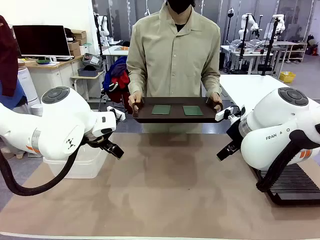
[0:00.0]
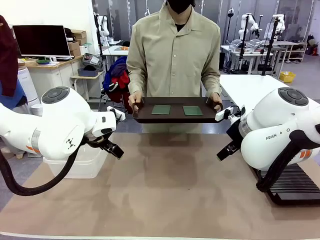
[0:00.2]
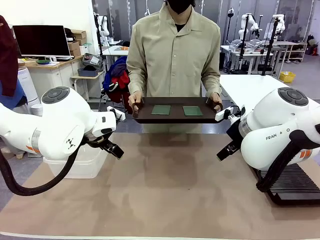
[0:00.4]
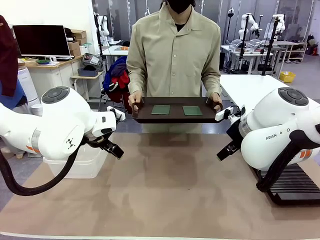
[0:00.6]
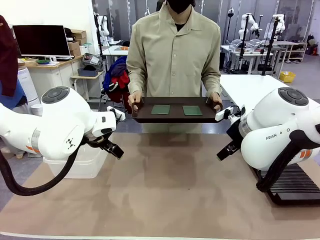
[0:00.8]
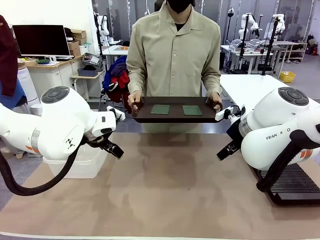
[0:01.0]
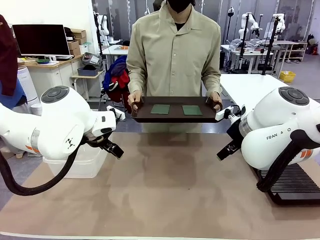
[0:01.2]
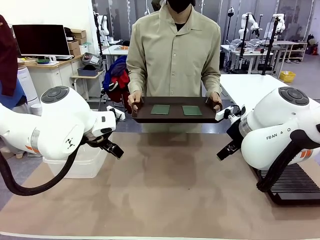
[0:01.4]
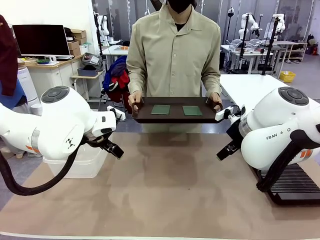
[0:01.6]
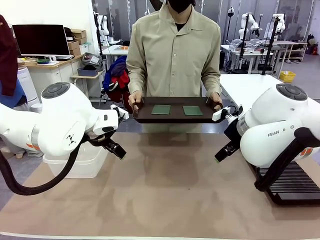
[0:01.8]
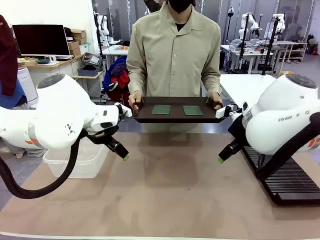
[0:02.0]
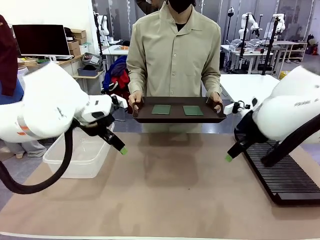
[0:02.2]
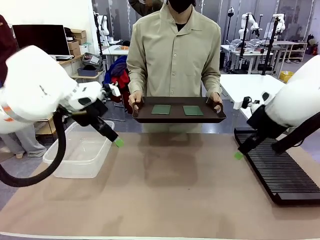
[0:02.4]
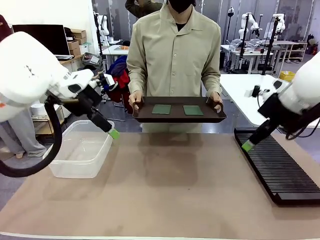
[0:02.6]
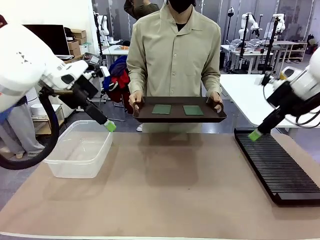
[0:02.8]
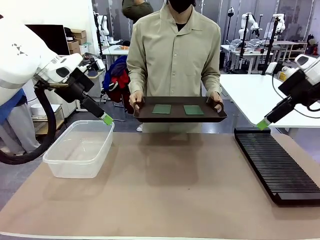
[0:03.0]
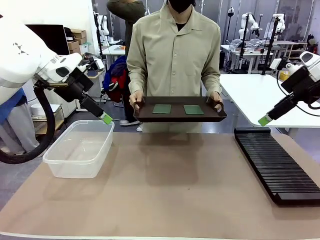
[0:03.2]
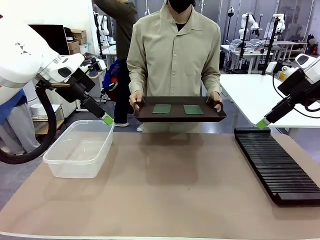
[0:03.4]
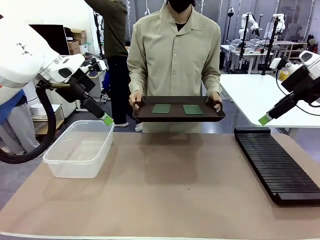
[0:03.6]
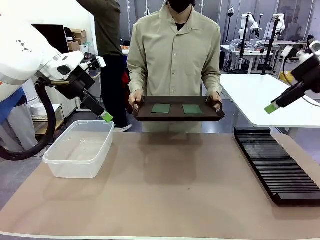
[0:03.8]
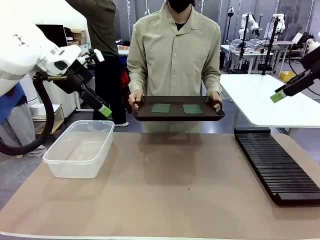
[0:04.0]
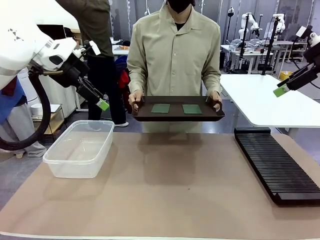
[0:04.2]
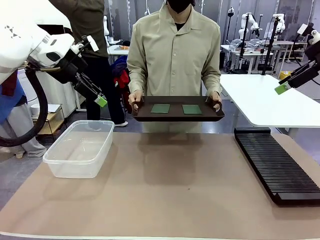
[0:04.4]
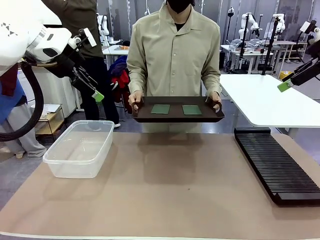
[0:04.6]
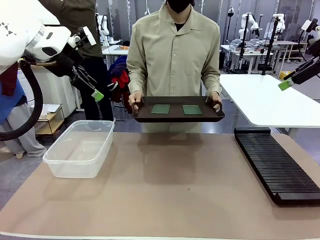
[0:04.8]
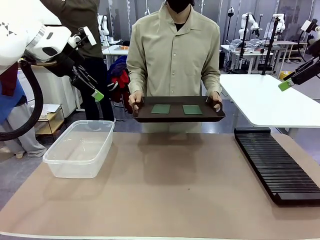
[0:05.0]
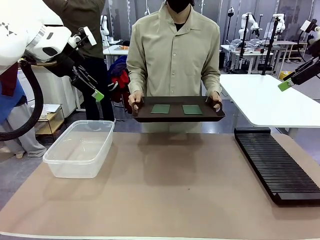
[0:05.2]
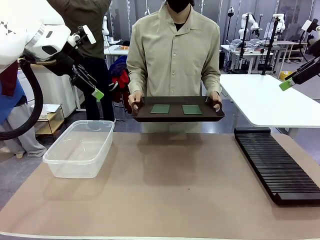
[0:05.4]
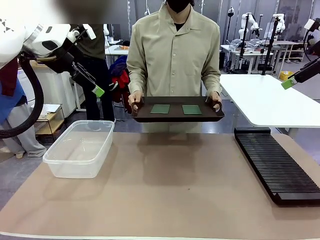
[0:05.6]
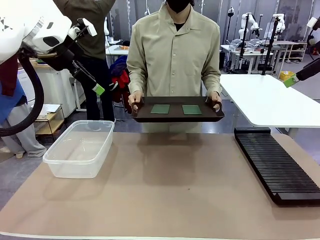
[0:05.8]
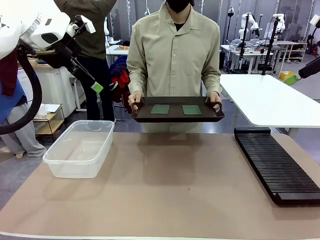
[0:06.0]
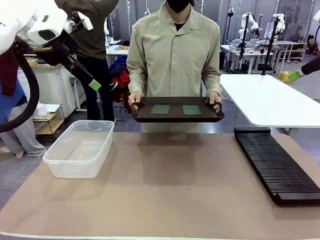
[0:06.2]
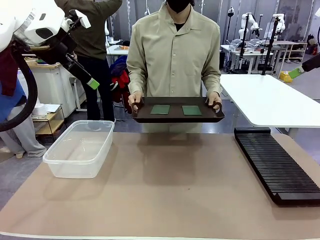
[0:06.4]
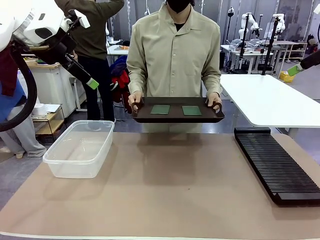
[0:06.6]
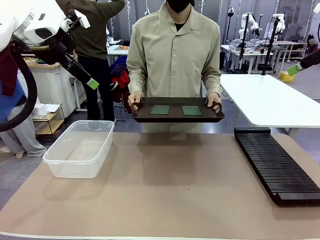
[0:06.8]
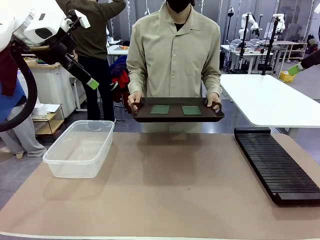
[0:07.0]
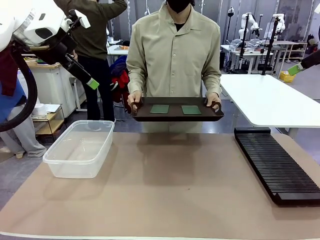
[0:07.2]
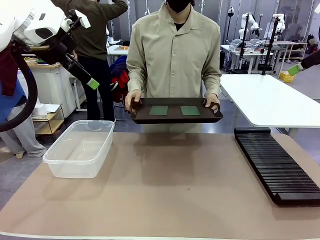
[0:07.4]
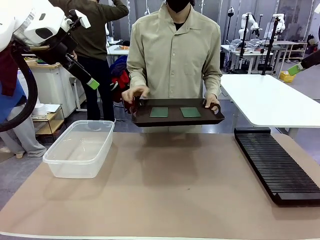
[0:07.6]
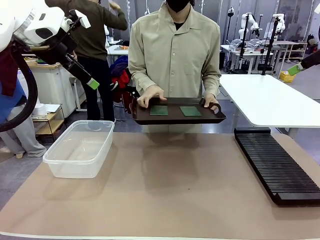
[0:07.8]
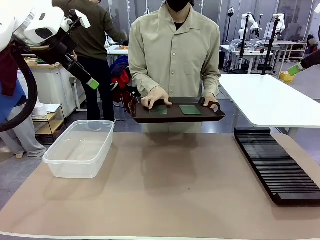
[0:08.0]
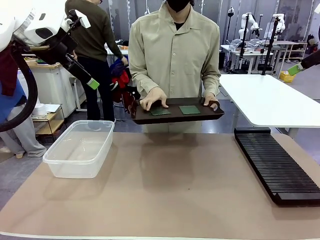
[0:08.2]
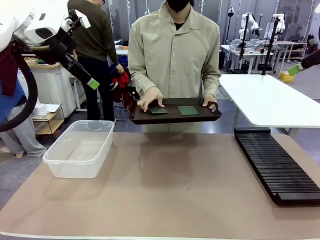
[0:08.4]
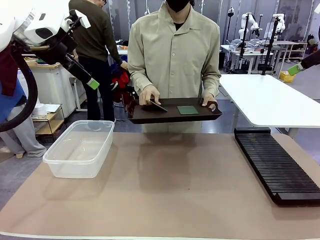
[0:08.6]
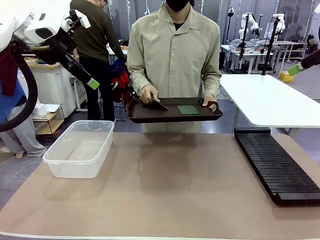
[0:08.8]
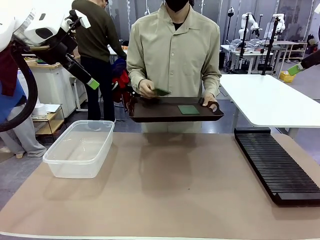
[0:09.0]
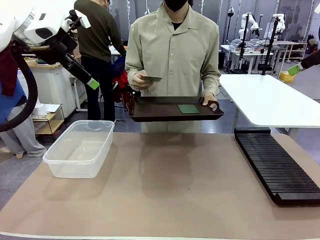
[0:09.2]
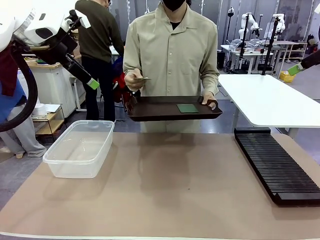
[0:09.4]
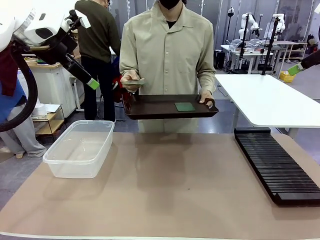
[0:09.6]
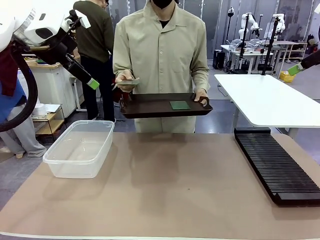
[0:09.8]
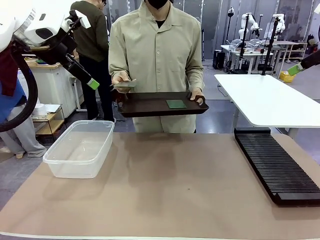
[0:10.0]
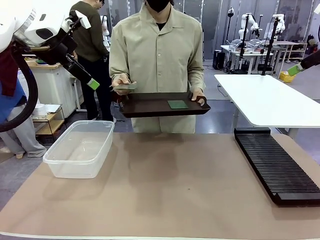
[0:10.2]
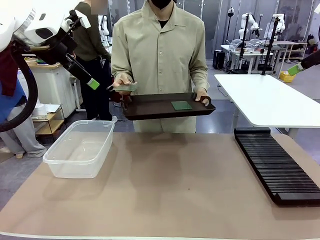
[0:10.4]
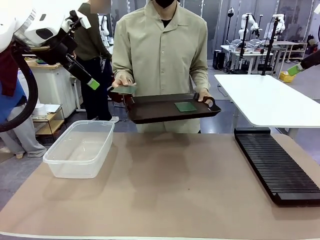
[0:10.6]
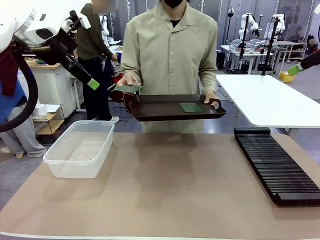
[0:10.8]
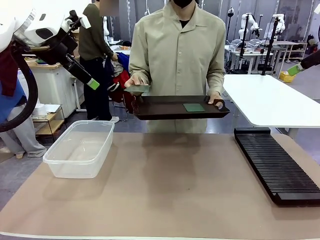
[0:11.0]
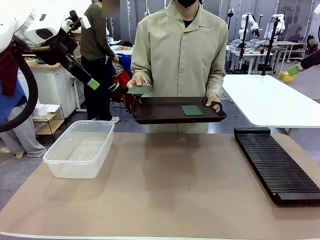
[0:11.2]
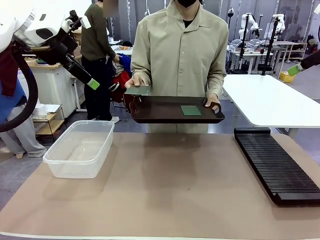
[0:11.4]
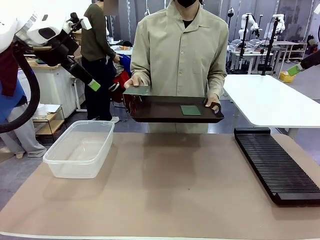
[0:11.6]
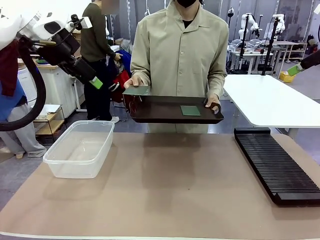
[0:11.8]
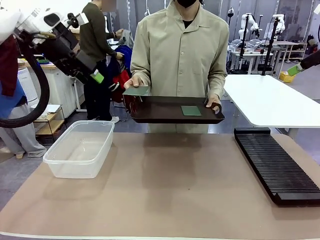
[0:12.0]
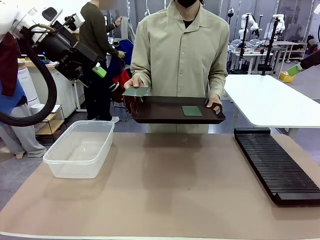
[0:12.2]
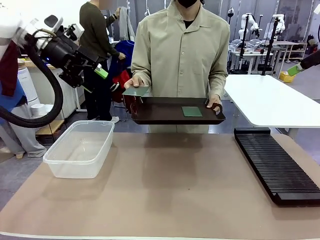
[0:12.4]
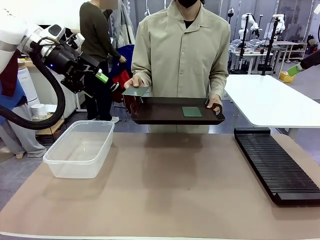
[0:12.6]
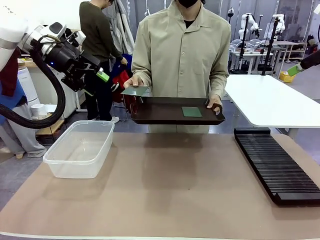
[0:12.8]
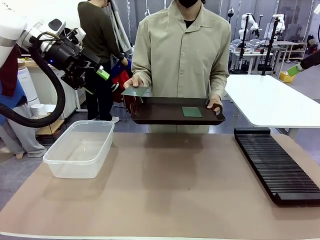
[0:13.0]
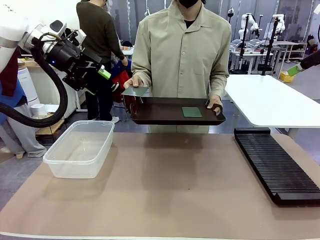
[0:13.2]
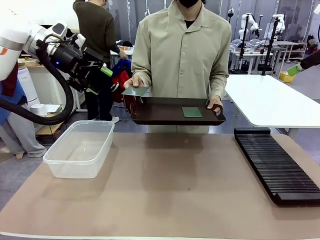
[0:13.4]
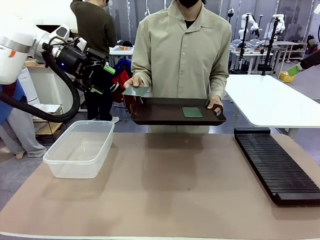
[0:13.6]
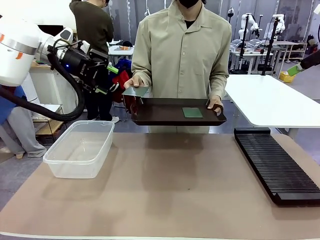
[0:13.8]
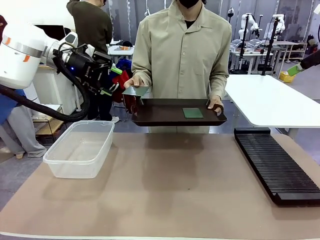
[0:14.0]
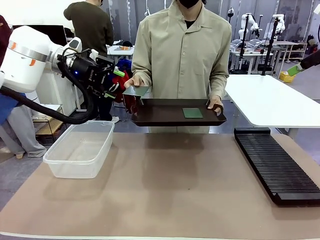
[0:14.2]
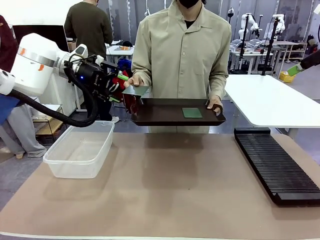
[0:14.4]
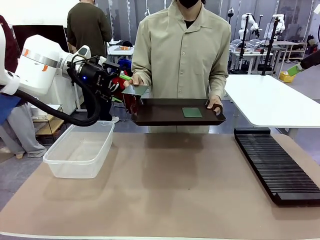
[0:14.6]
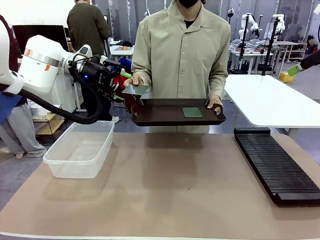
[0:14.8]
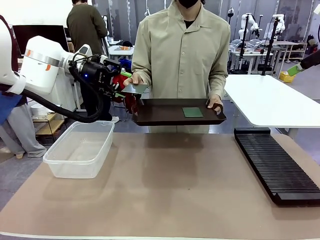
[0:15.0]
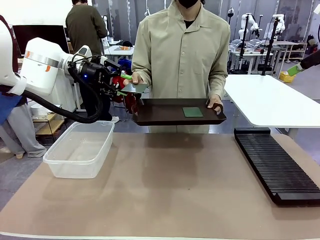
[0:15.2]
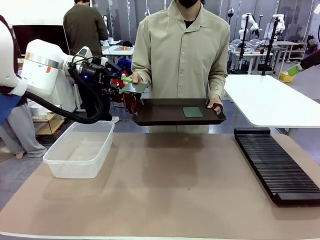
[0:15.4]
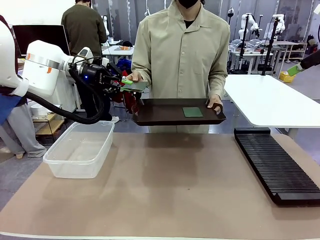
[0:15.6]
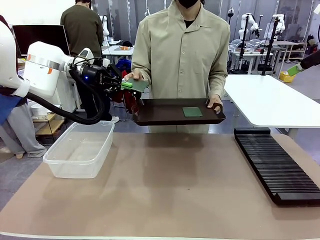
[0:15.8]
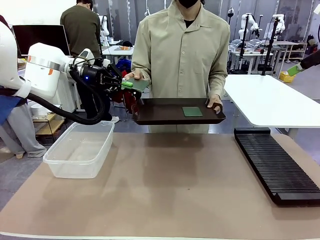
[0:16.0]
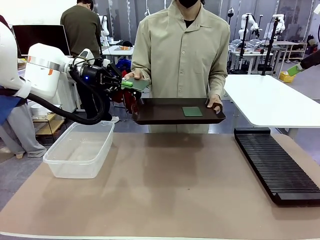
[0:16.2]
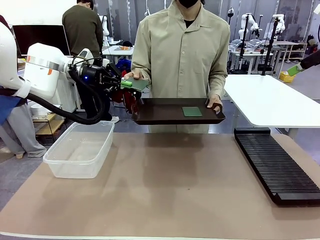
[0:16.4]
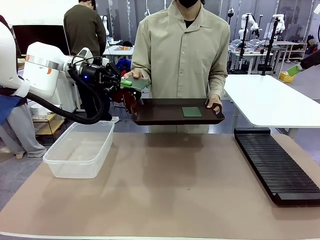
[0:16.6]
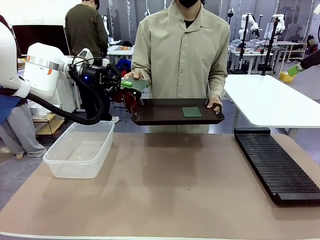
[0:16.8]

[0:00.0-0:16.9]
Task: Sort PCBs into racks and boxes based on the side picked up.
Robot: Pick up the Blank PCB handed by the Human.
Person: Pick one PCB from the tray and present it to the robot. Release the PCB being held.

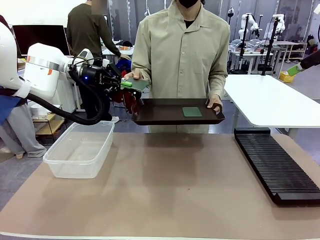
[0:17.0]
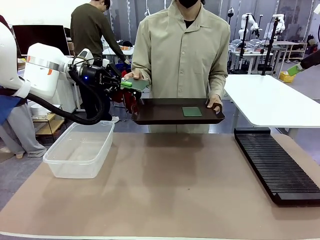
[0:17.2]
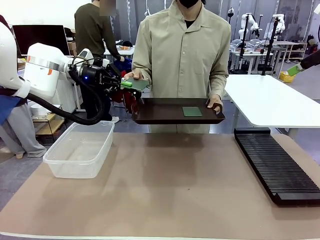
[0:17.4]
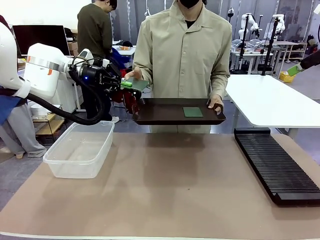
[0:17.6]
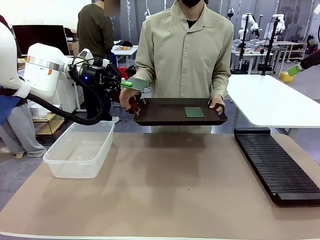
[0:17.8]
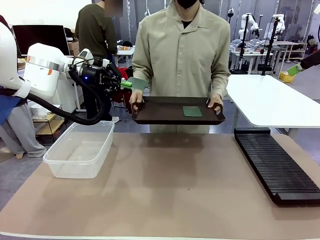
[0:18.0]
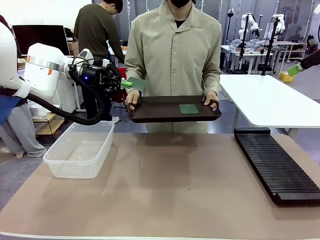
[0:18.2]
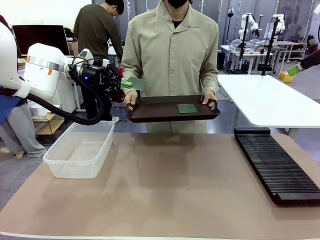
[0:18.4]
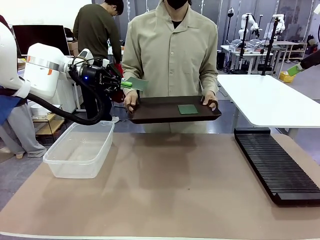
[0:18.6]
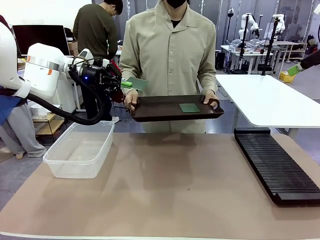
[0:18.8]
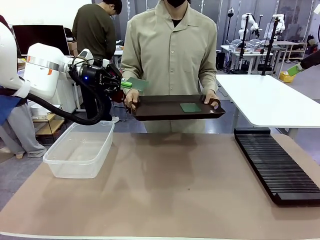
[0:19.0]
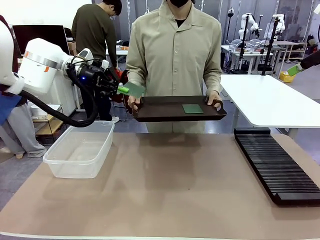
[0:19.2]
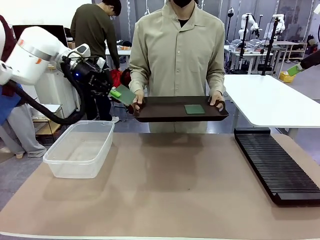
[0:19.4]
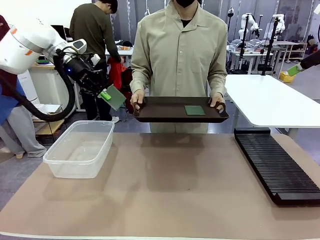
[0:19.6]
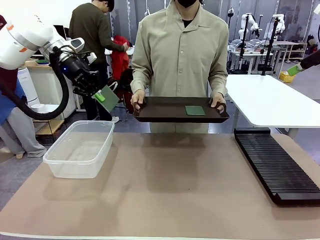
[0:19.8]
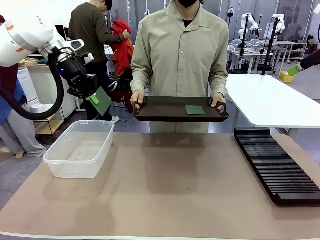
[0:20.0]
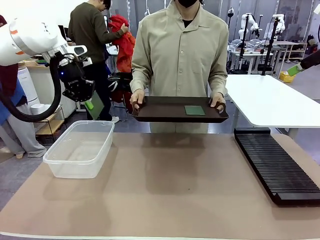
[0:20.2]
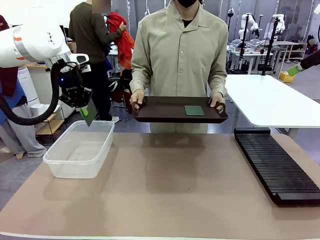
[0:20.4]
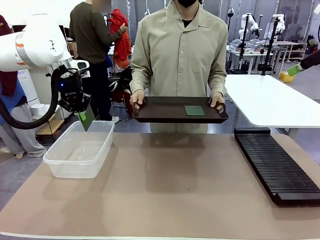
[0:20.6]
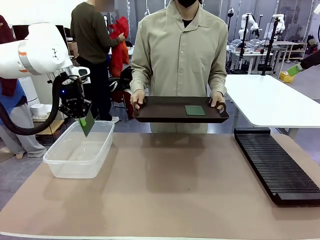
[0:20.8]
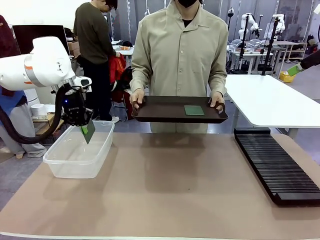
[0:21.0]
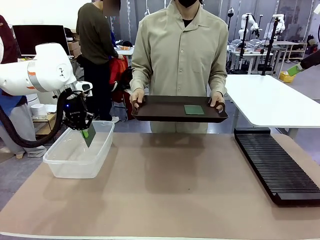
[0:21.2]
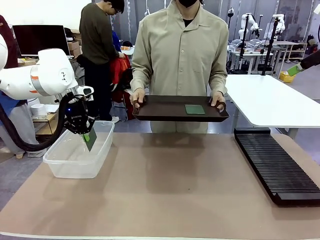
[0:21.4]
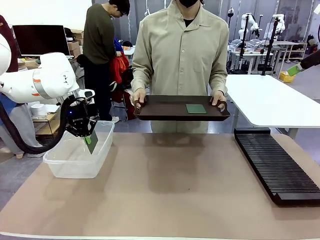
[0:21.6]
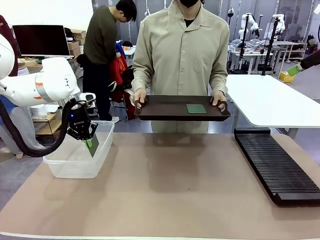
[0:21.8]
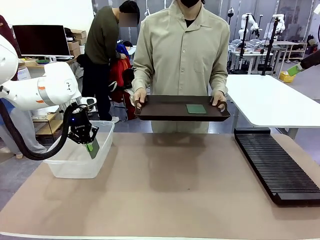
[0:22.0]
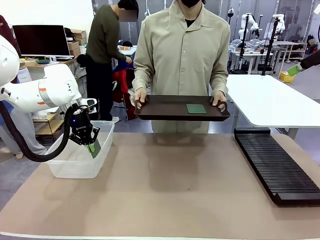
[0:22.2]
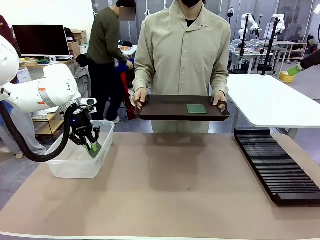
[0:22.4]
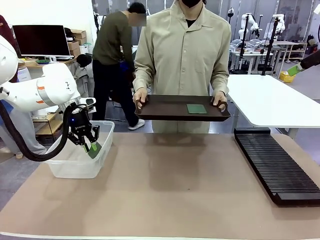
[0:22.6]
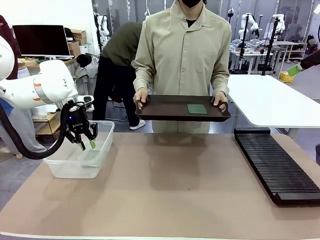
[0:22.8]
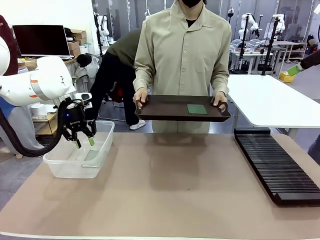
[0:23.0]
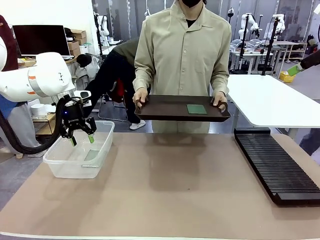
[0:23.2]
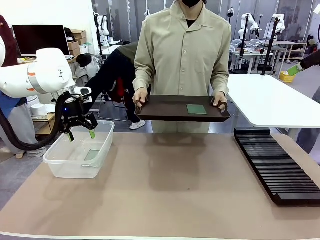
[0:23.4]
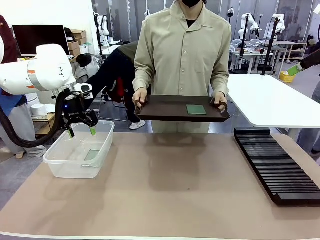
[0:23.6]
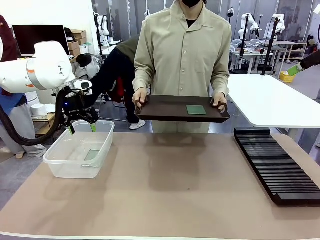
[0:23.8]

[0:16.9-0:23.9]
Robot: If the short side of the Blank PCB is picked up, insert it into the PCB Rack ; if the long side is picked up, place it in the Organizing box.
